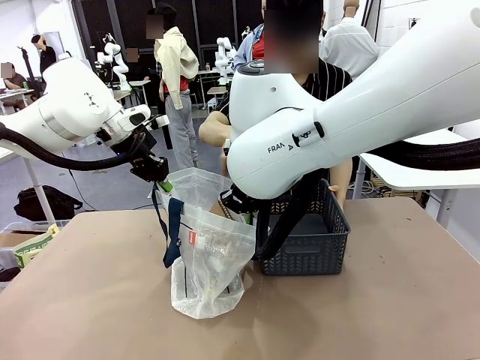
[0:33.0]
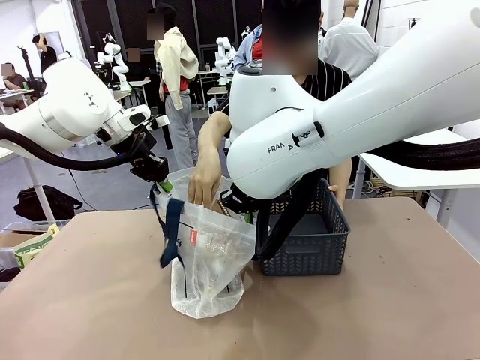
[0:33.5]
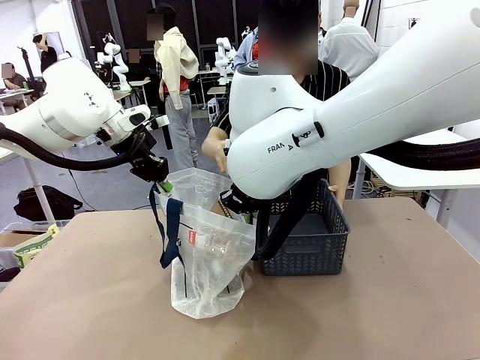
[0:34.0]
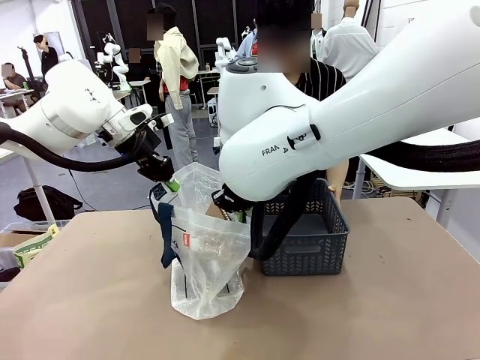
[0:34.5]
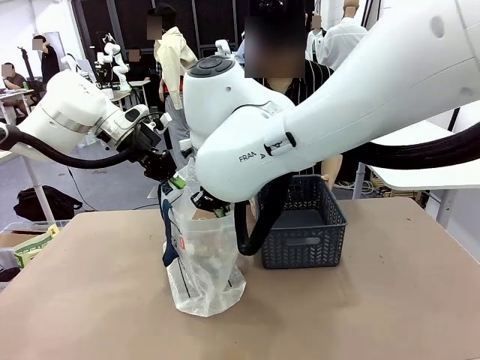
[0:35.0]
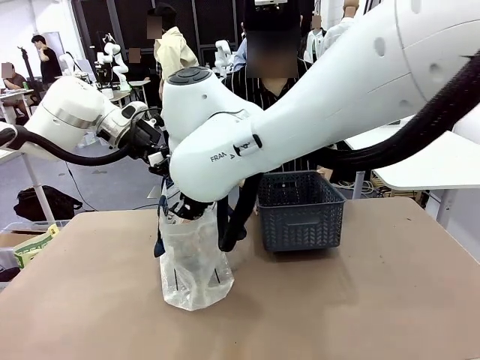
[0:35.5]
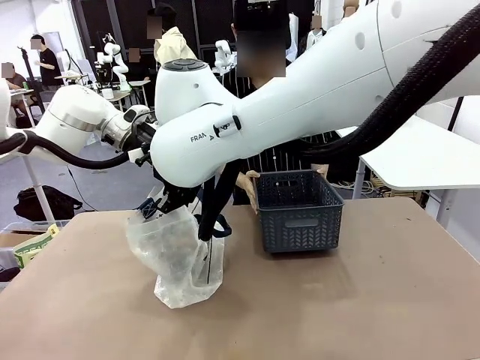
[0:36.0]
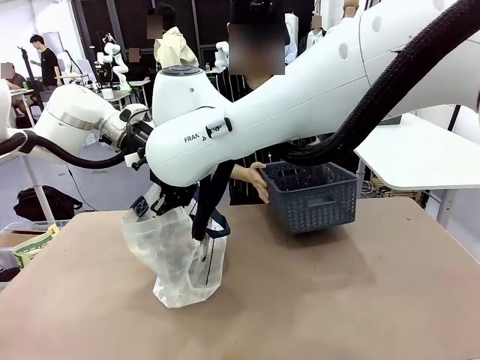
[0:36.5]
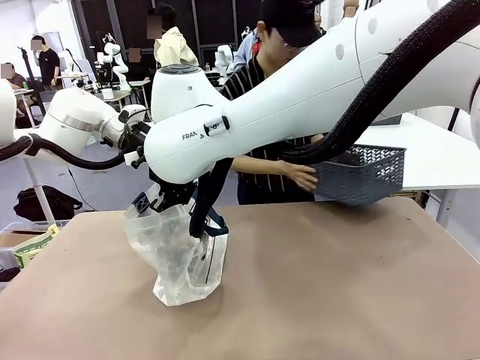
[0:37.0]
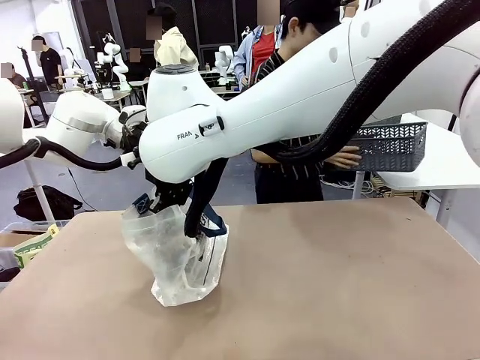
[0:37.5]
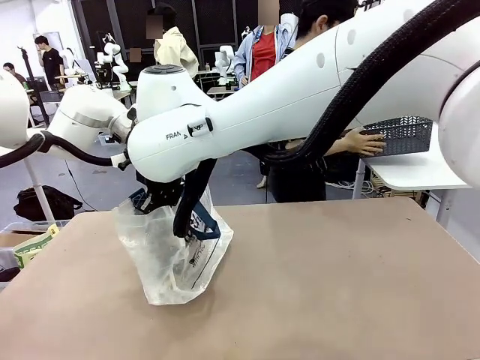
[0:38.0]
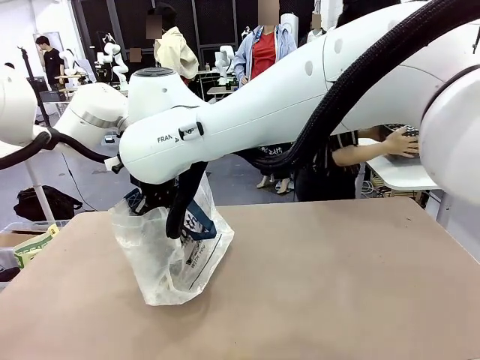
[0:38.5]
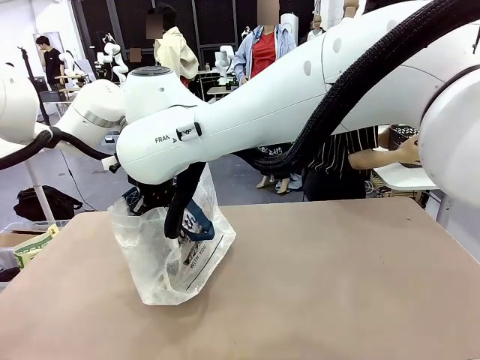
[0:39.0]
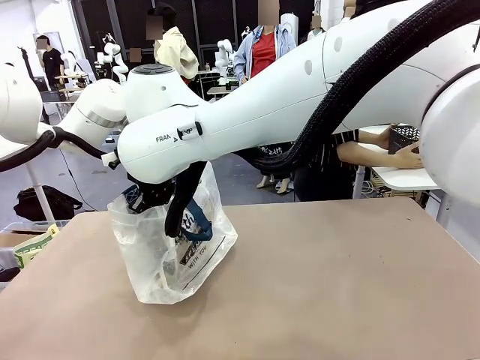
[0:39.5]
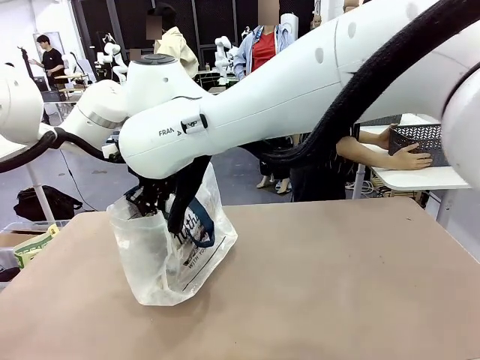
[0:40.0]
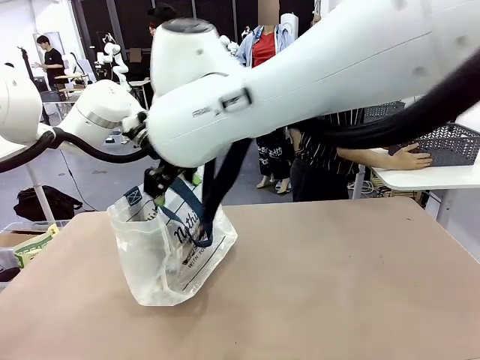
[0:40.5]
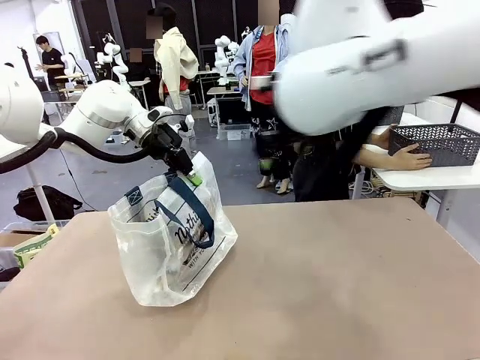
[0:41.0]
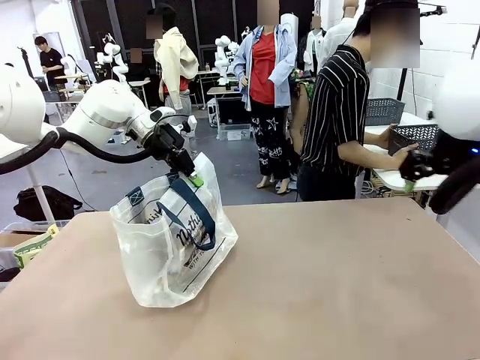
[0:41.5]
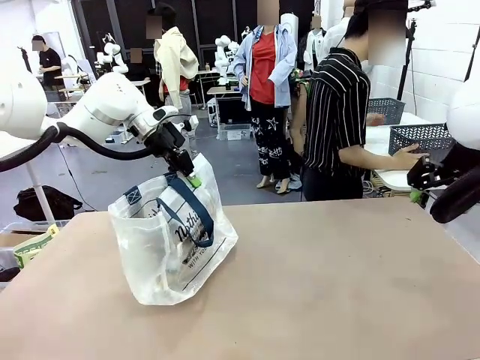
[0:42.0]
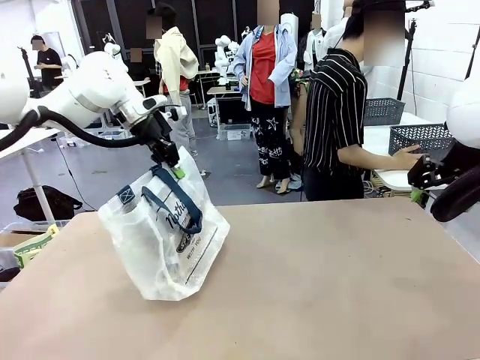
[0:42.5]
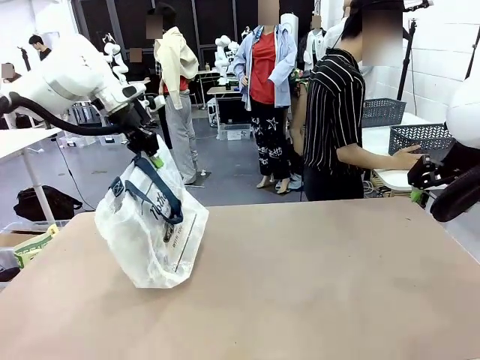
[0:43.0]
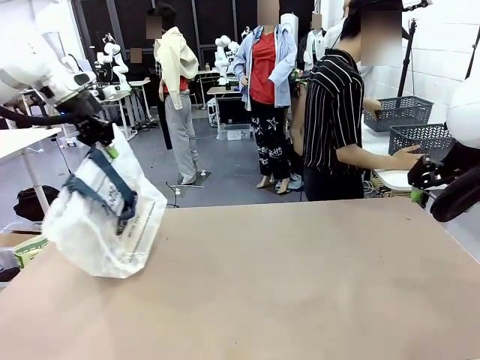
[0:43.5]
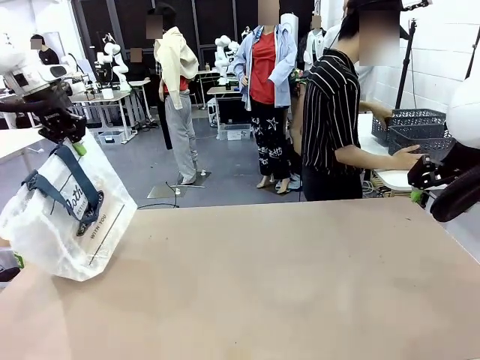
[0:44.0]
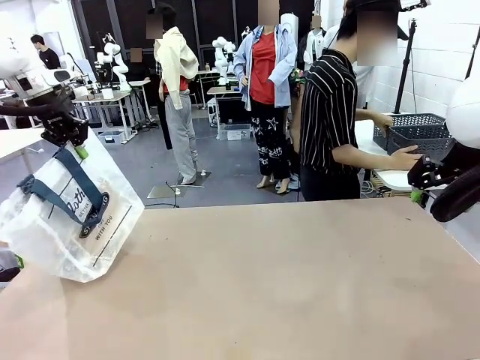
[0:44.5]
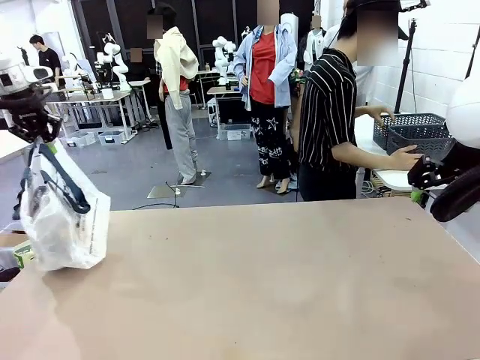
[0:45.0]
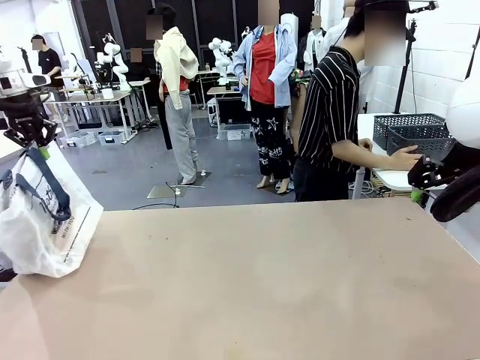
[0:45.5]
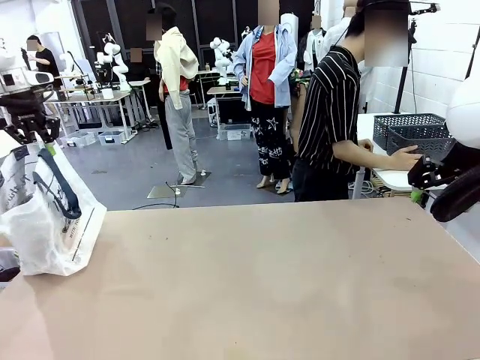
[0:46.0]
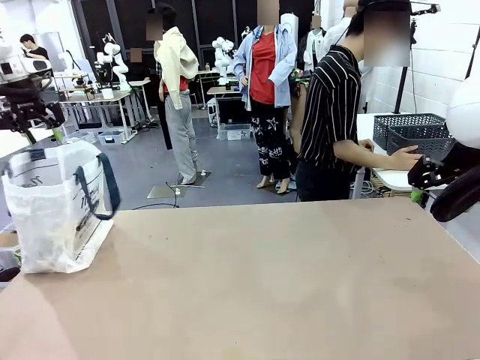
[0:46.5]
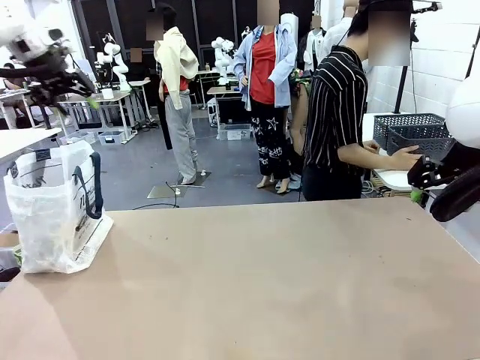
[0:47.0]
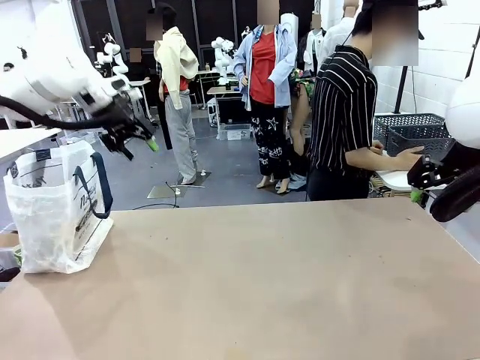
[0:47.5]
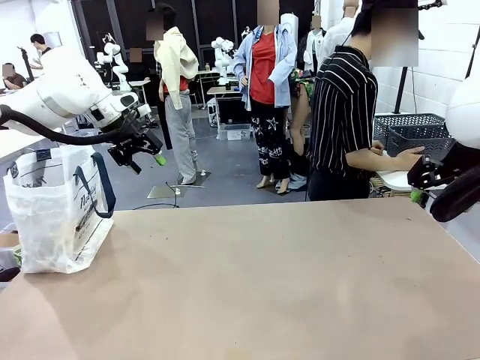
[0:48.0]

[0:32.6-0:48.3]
Task: Transfer purchased items from the store into the shopping bag.
Robot: Move the Reusable shopping bag to the right side of the table.
Person: Move the basket on the left to the middle of the person's table.

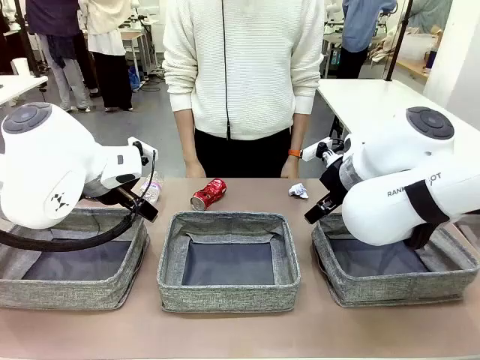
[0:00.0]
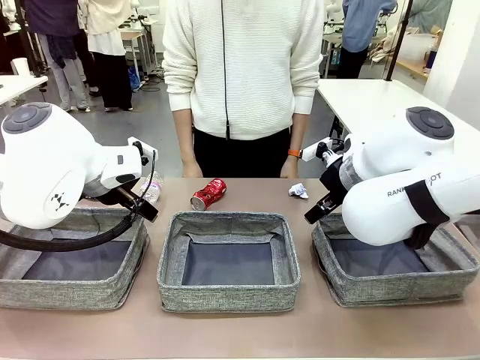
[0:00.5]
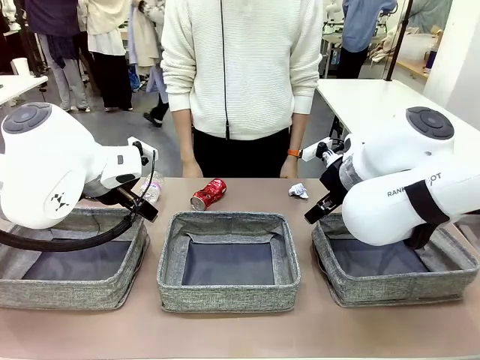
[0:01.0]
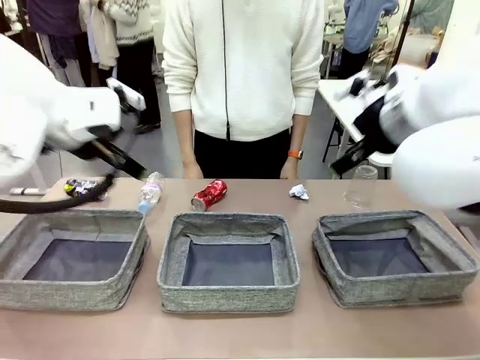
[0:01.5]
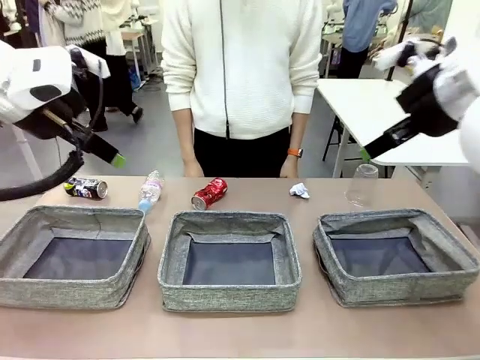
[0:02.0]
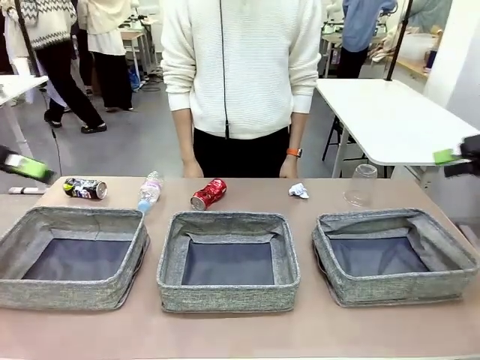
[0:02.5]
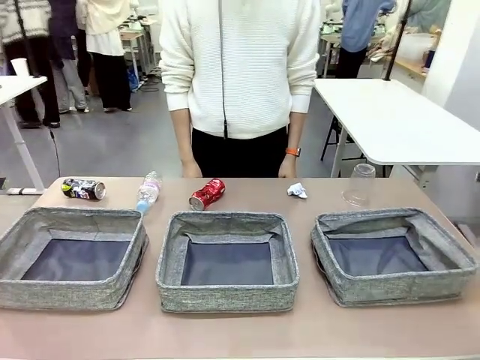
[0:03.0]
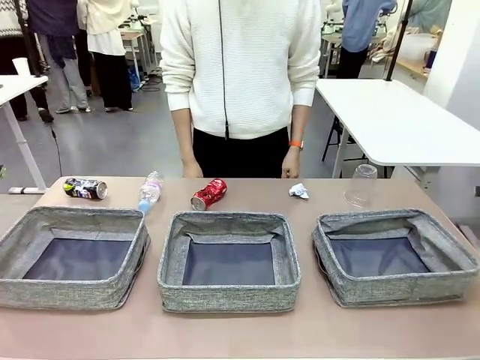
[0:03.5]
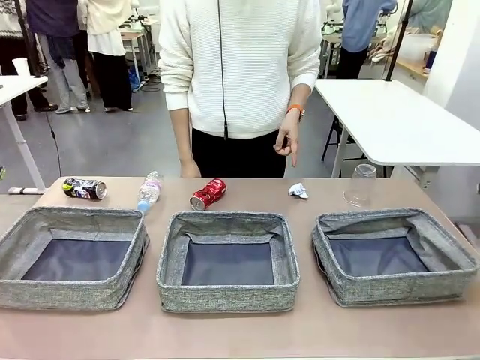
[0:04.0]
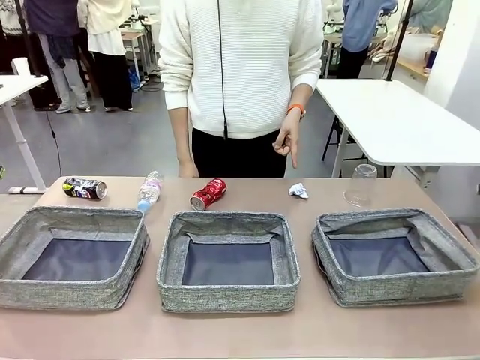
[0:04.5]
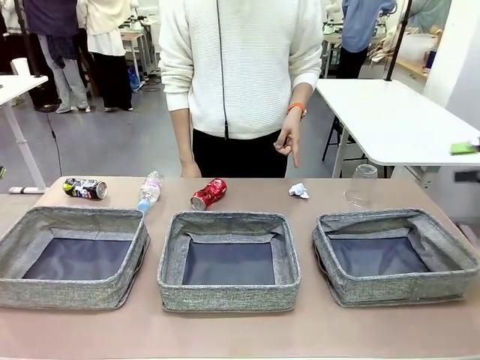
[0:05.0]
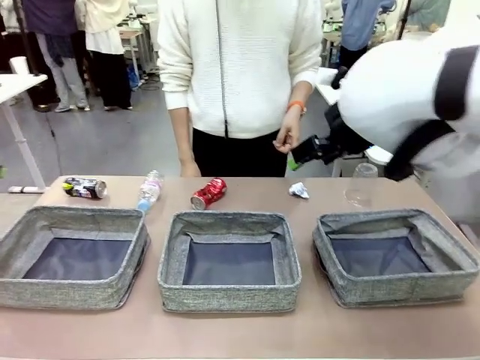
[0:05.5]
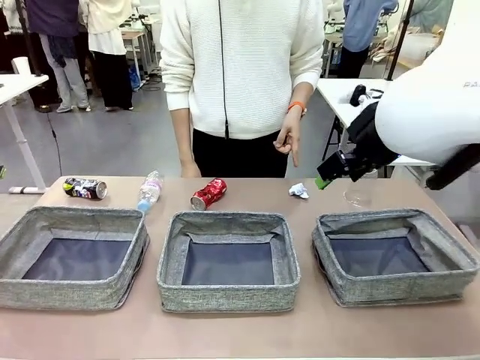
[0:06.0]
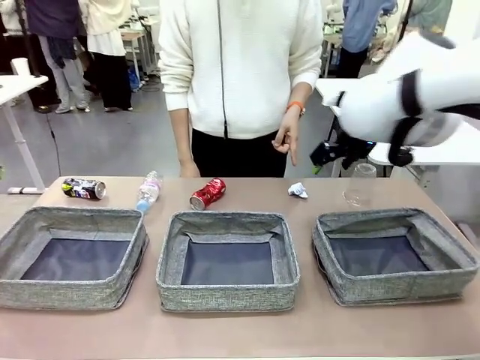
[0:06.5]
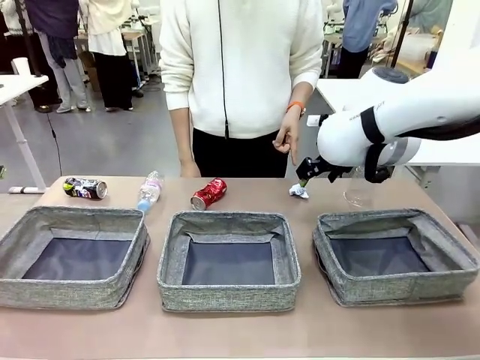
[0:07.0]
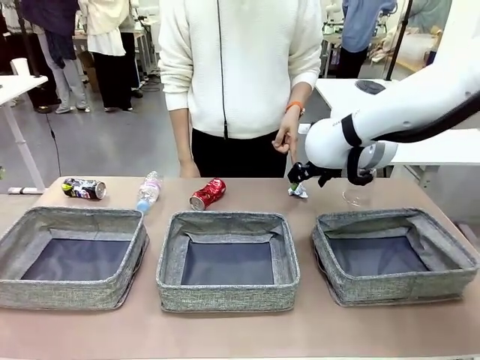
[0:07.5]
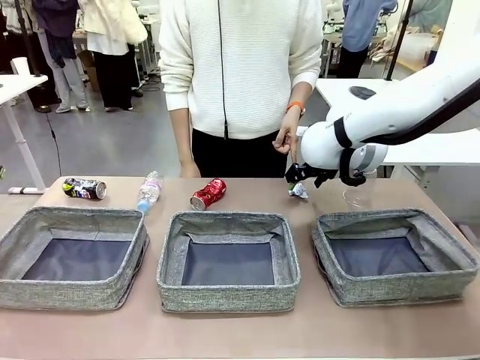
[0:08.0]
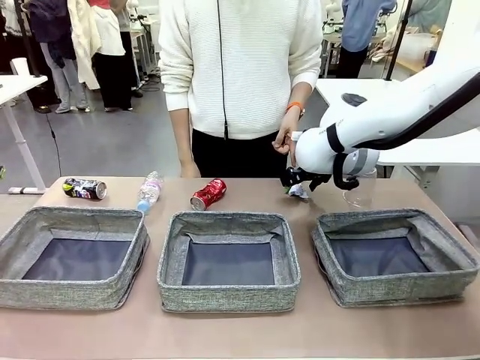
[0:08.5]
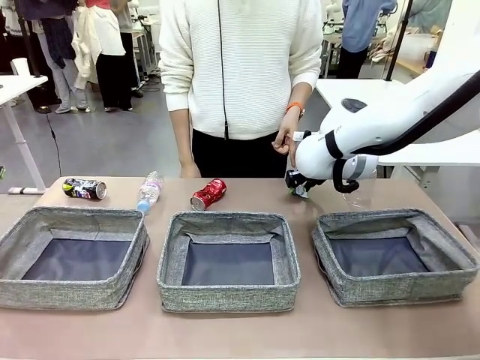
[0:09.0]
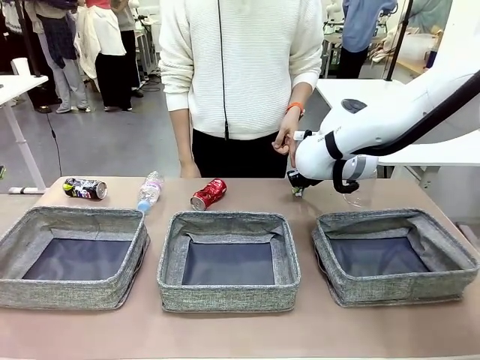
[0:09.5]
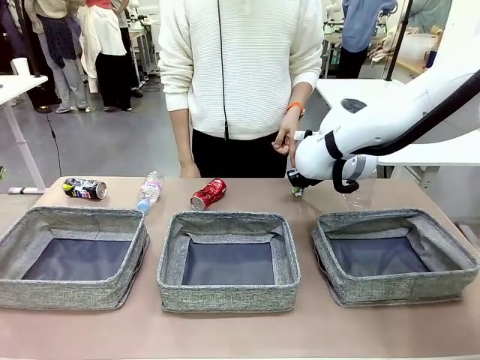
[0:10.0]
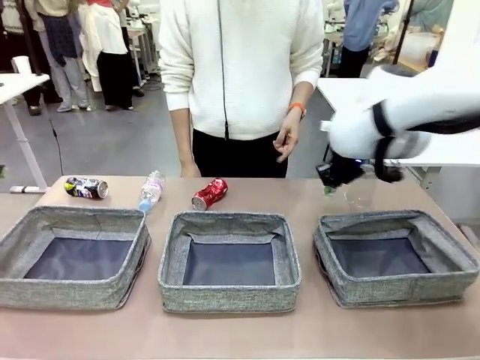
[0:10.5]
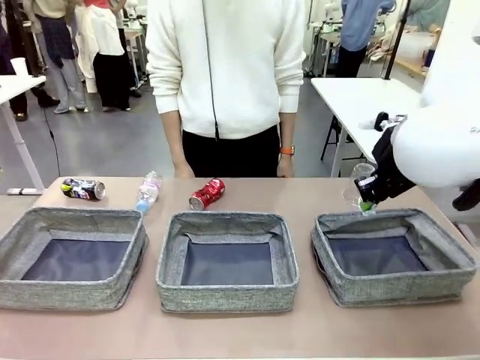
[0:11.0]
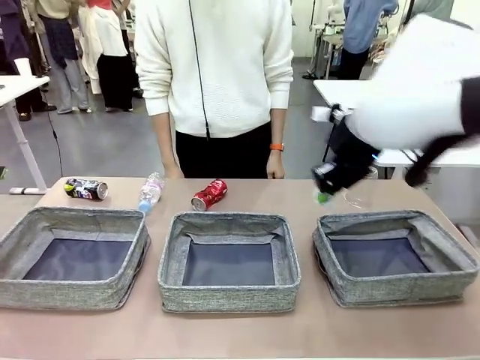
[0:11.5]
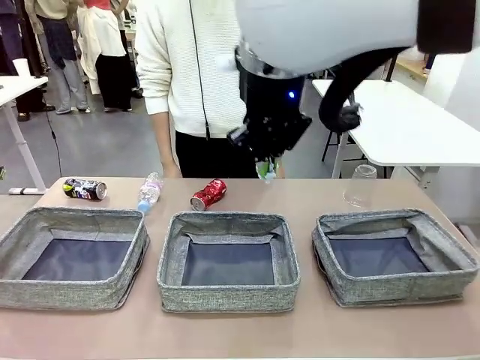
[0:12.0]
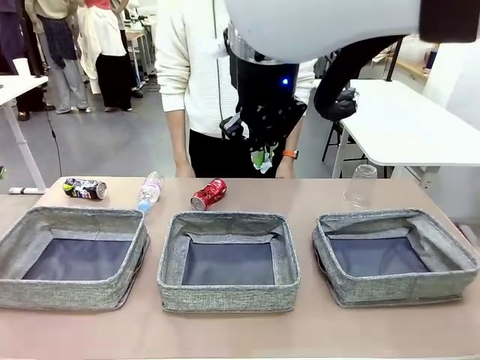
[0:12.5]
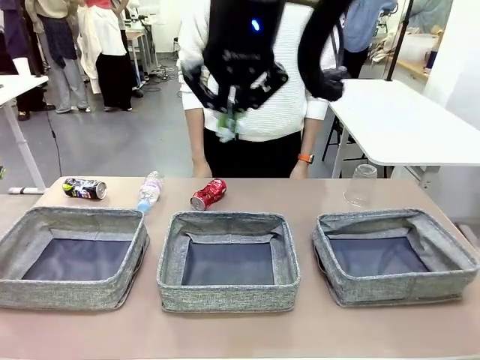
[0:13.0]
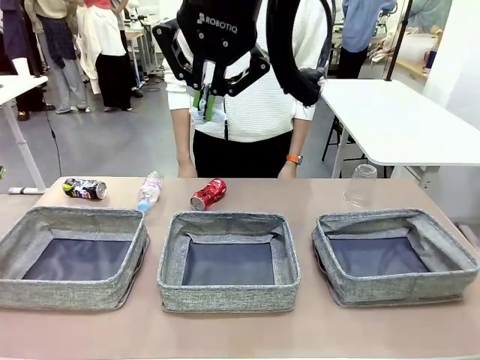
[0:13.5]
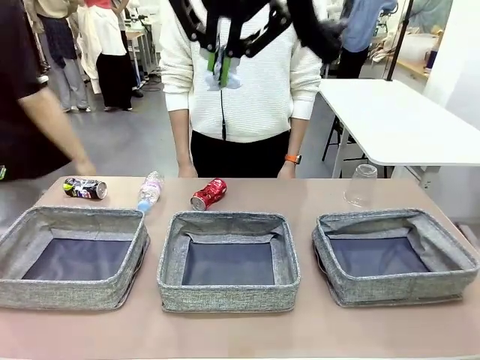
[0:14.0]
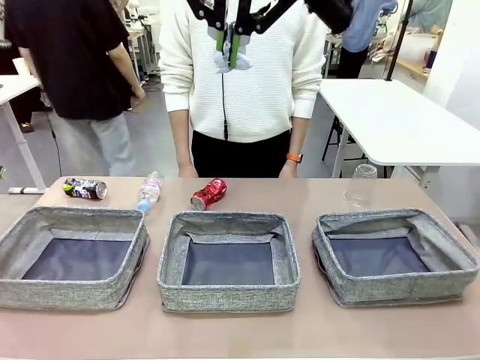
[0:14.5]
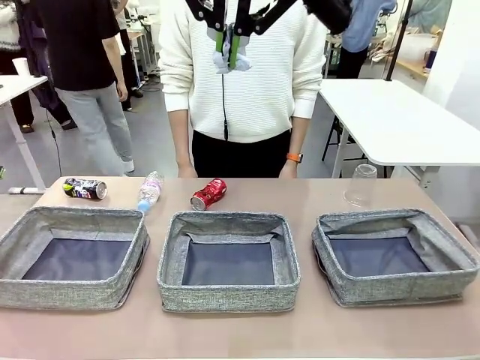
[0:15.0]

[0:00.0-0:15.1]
Task: Sort the waste into the appropriate baskets.
Robot: Pick up the waste item pointed out by the person.
Person: Points to one piece of trash on the table.
